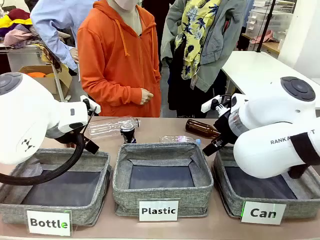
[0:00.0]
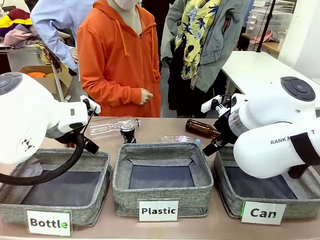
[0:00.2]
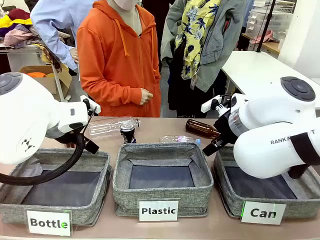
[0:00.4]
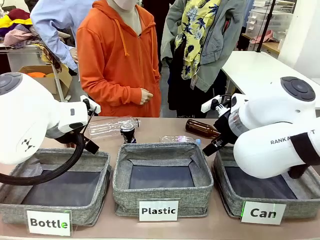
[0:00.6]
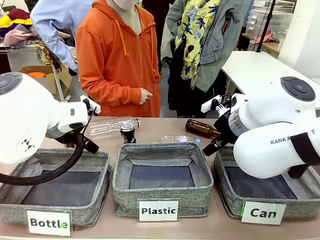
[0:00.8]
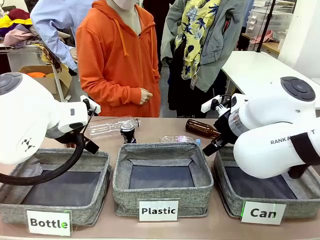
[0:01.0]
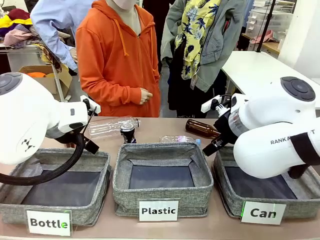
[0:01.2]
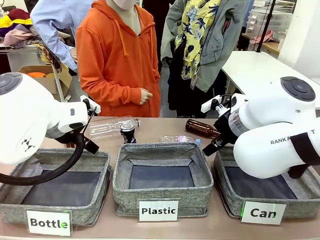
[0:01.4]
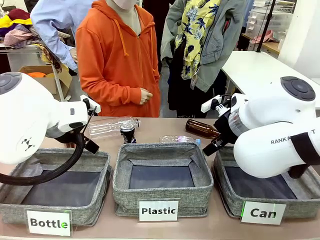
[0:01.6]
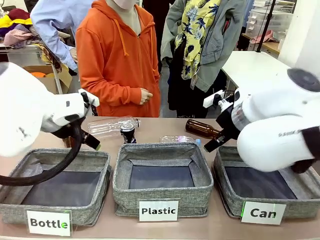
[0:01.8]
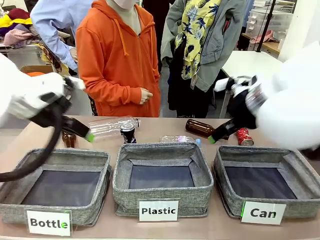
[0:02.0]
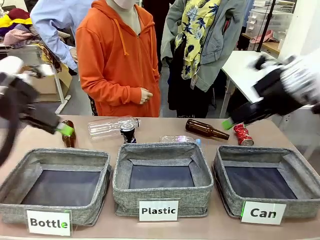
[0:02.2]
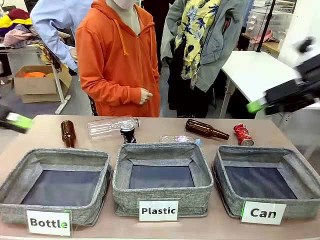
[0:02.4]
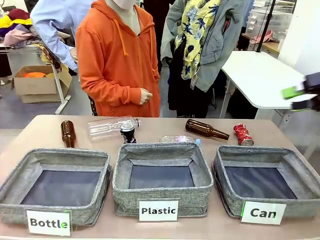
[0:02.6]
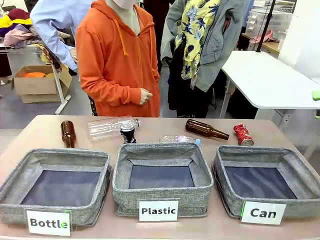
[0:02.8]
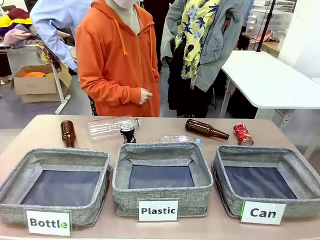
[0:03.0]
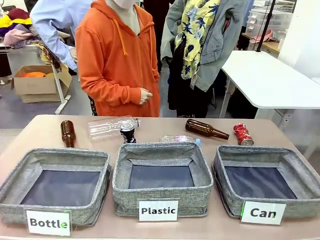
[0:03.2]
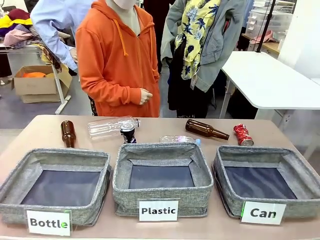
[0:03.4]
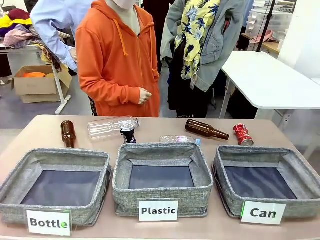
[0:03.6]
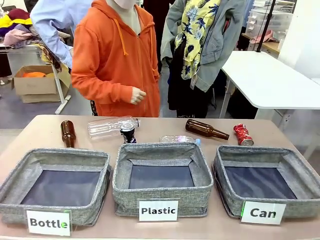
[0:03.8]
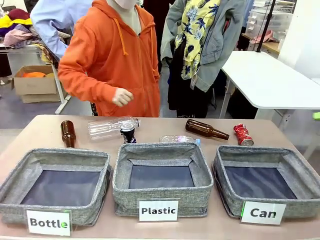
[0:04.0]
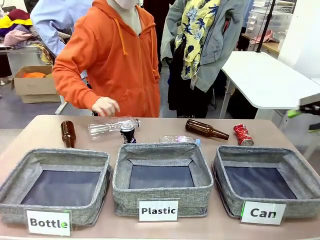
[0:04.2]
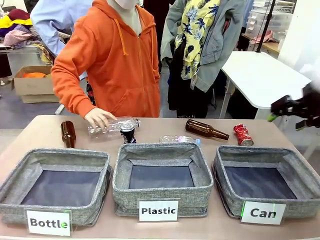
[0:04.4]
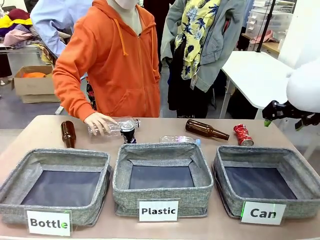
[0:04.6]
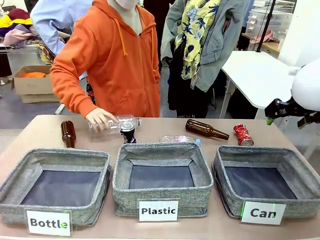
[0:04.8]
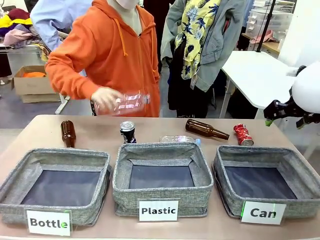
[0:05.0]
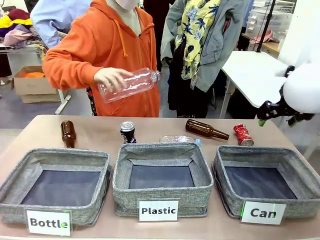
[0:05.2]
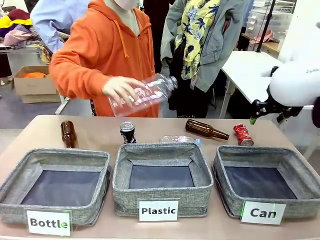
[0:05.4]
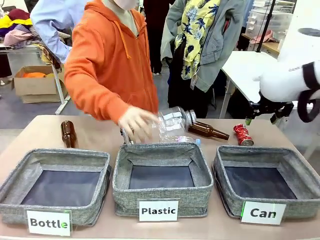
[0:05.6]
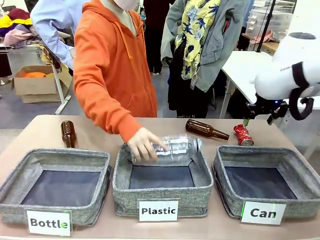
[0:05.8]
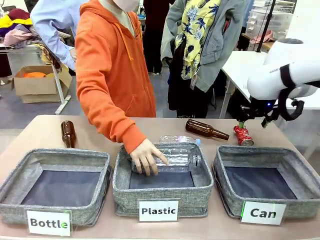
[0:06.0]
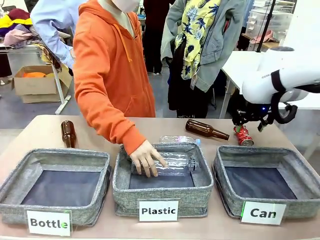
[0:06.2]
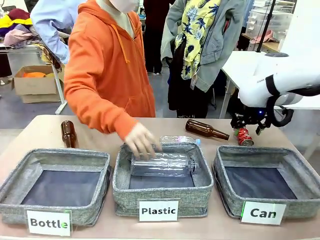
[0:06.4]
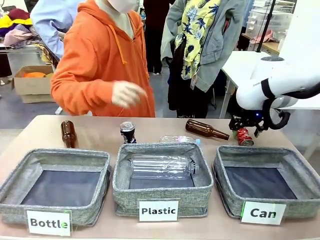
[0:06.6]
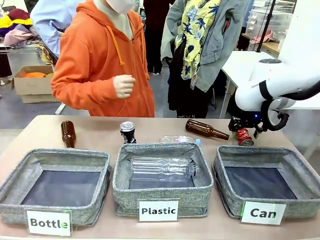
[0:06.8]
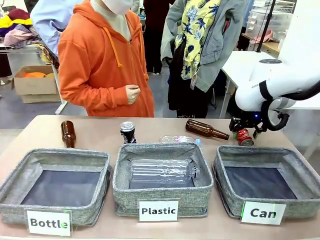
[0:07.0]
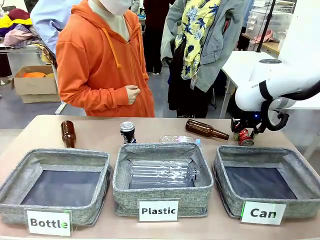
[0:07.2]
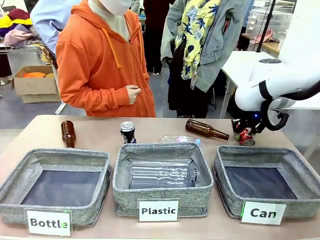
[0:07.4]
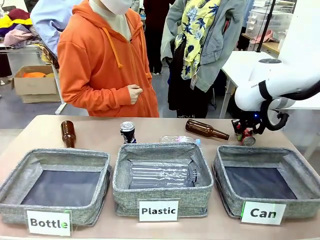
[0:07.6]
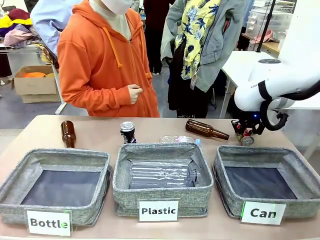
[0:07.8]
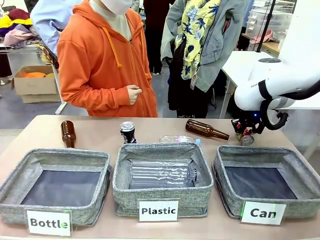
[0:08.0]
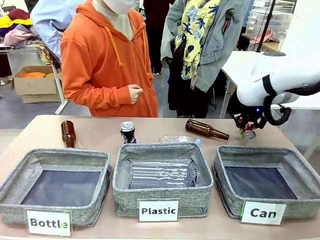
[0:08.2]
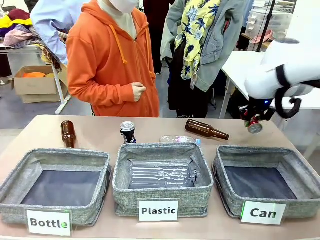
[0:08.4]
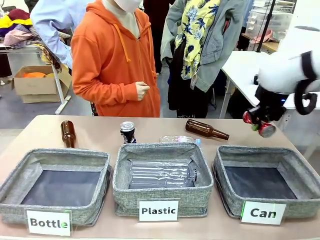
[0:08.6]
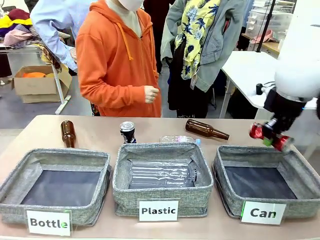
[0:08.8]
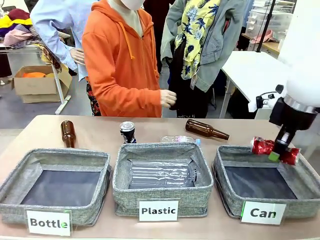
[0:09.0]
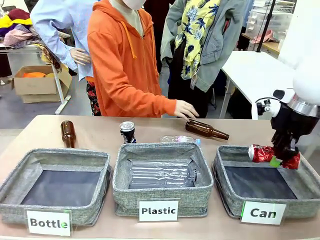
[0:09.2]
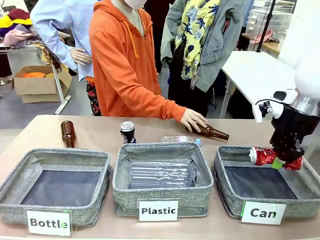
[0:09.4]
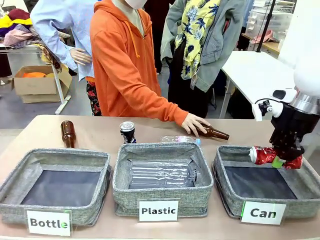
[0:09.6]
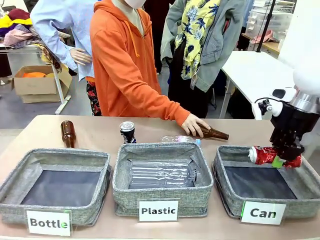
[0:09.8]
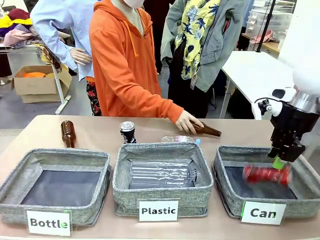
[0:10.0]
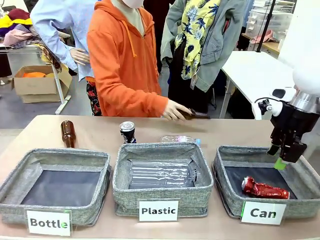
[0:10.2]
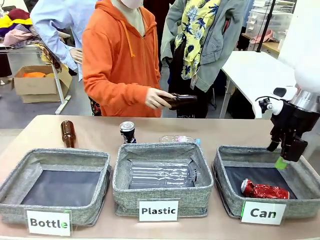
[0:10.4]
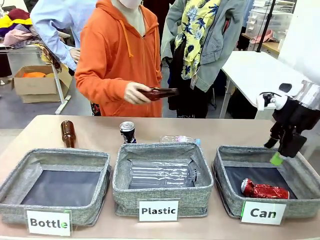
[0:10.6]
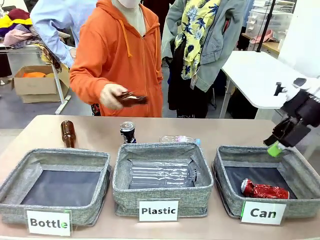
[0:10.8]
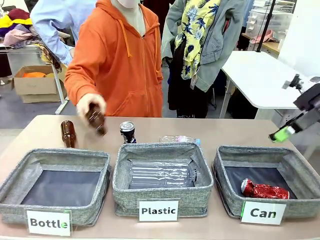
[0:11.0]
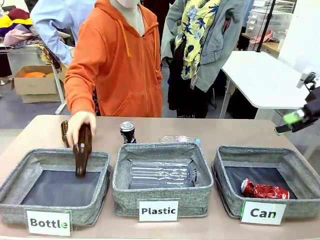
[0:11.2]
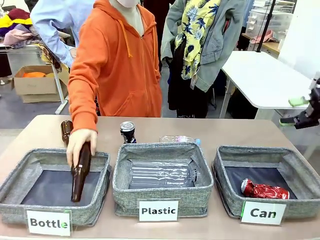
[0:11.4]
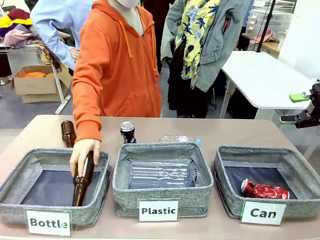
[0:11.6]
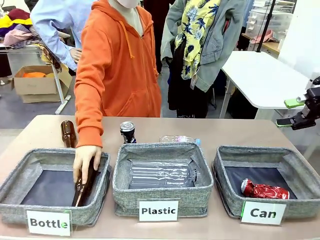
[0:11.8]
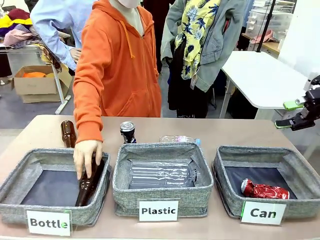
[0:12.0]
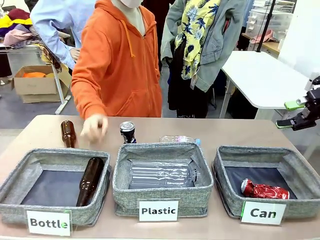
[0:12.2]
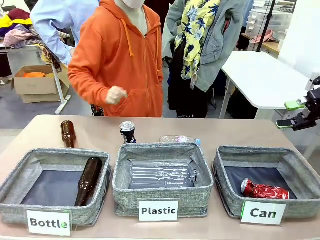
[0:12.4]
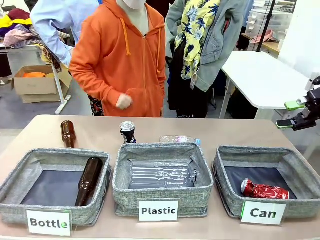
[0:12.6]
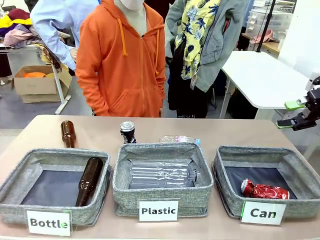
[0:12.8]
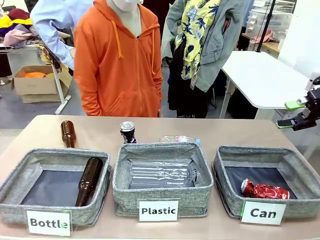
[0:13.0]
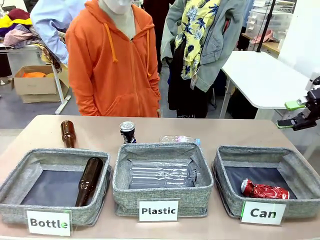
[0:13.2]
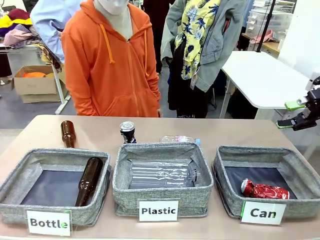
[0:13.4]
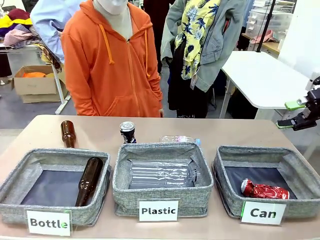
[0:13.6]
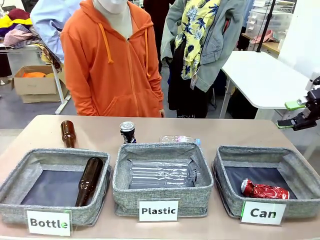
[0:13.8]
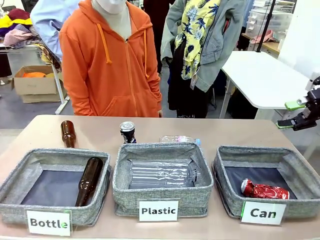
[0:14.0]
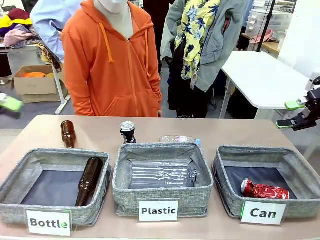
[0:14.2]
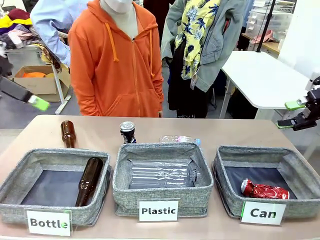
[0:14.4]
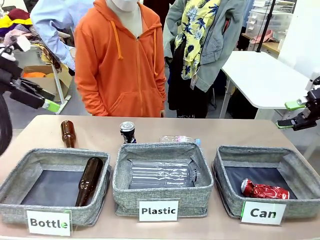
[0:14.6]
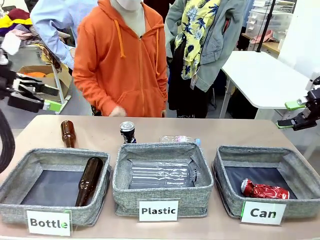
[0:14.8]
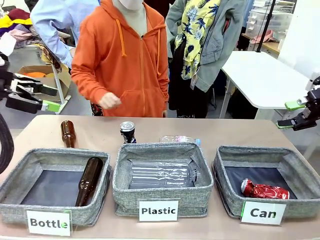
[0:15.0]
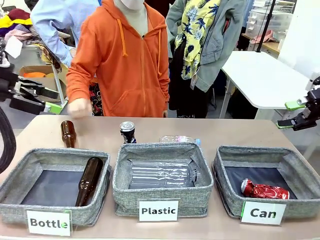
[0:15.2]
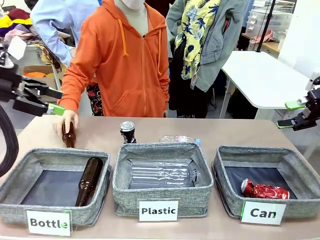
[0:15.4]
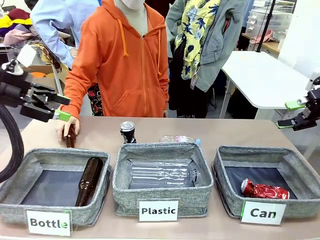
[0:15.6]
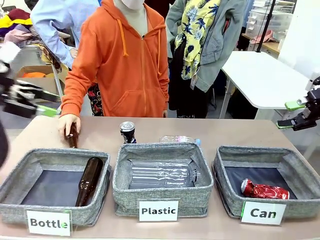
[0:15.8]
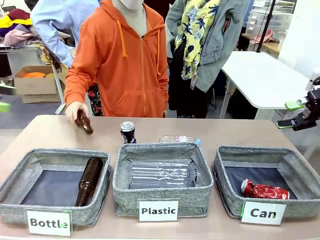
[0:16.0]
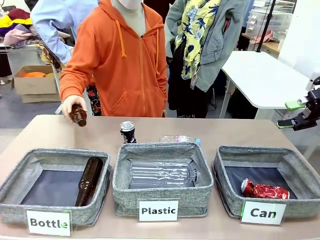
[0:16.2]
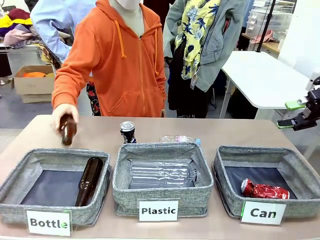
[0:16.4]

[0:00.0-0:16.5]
Task: Sort the can waste into the basket.
Robot: Pick up the can waste from the table and place it in the right Fabric basket.
